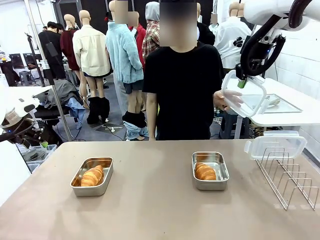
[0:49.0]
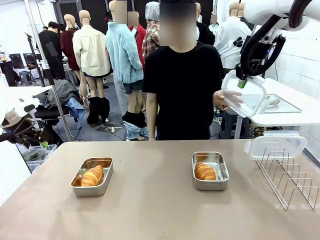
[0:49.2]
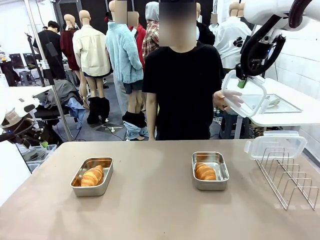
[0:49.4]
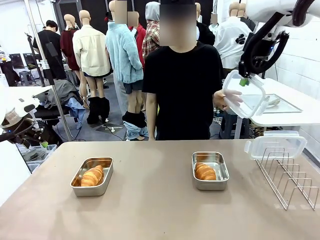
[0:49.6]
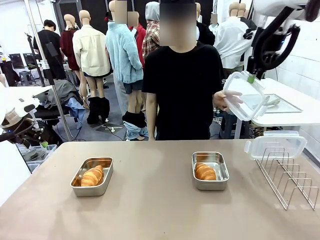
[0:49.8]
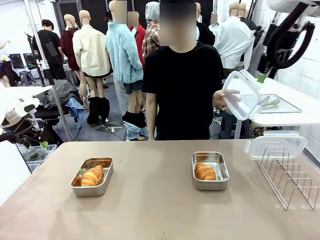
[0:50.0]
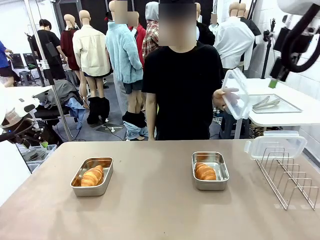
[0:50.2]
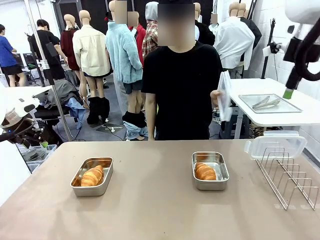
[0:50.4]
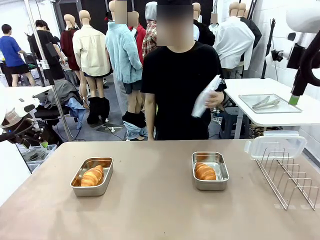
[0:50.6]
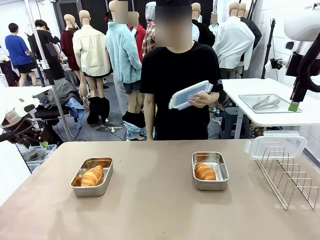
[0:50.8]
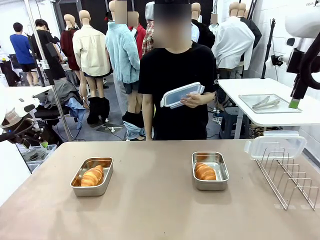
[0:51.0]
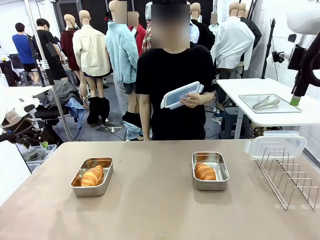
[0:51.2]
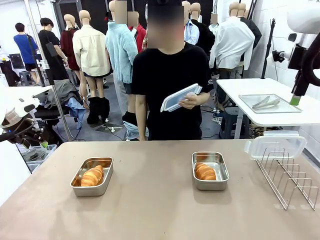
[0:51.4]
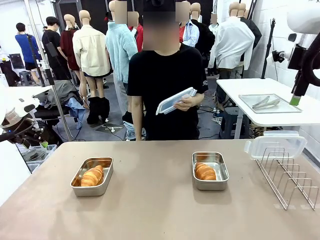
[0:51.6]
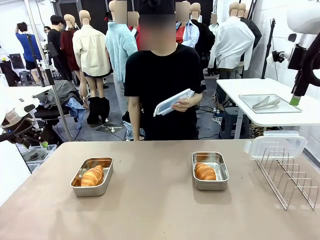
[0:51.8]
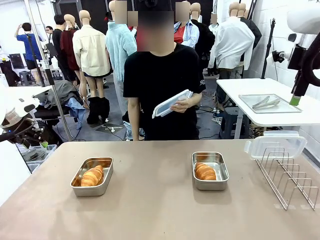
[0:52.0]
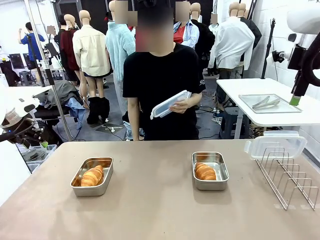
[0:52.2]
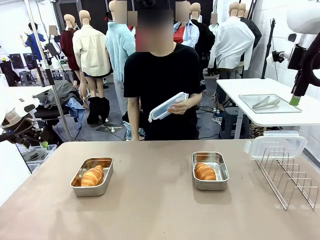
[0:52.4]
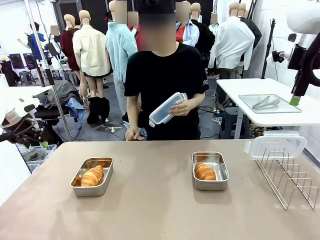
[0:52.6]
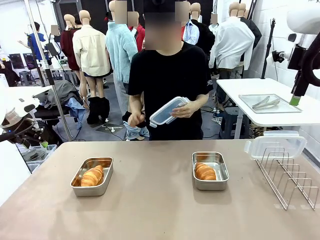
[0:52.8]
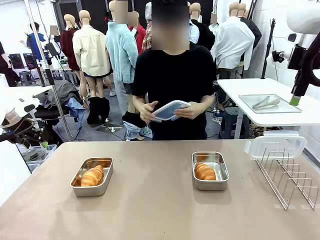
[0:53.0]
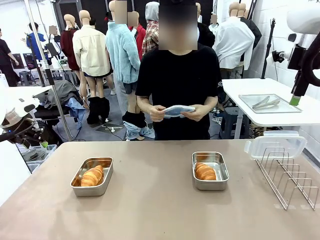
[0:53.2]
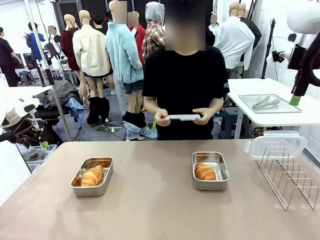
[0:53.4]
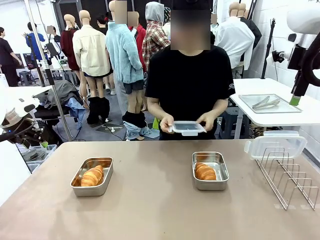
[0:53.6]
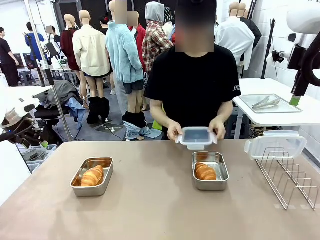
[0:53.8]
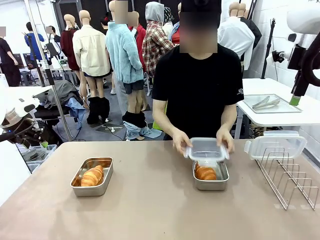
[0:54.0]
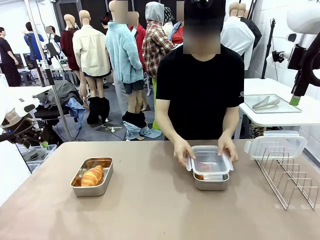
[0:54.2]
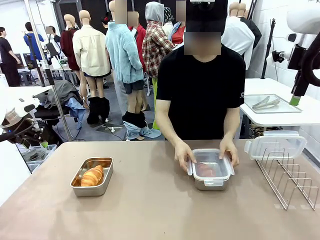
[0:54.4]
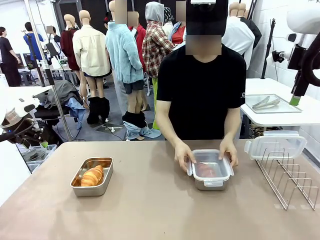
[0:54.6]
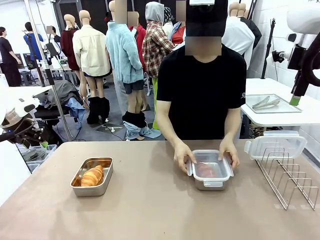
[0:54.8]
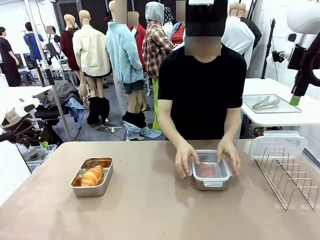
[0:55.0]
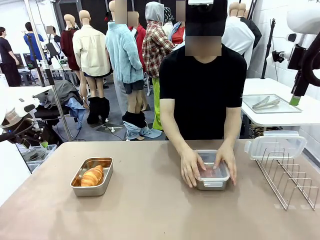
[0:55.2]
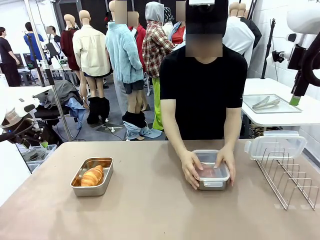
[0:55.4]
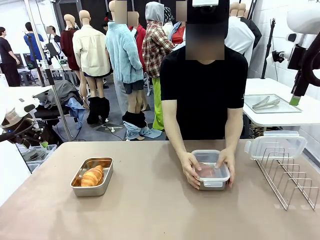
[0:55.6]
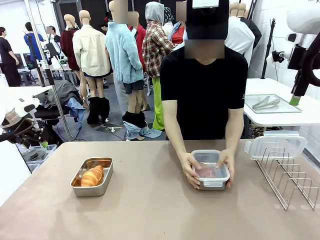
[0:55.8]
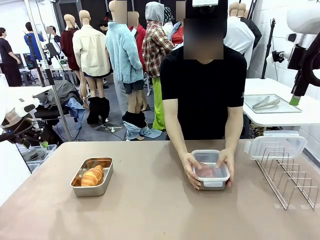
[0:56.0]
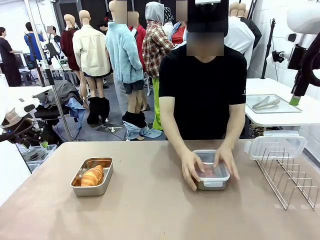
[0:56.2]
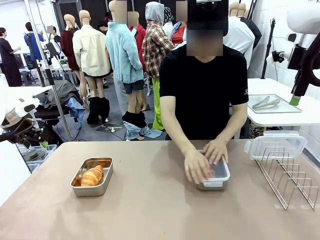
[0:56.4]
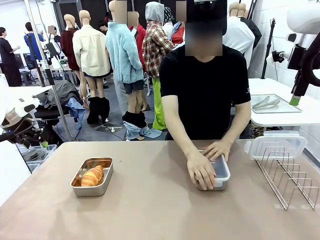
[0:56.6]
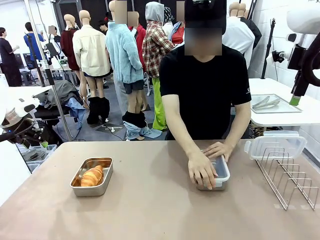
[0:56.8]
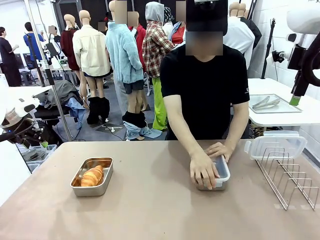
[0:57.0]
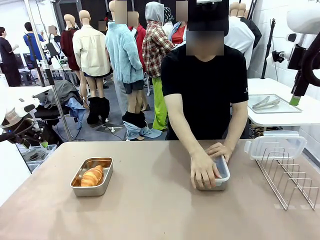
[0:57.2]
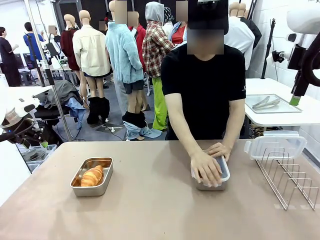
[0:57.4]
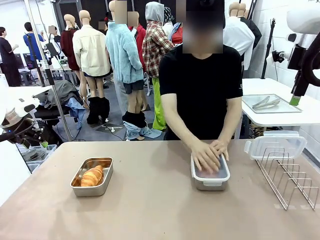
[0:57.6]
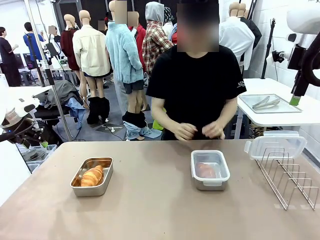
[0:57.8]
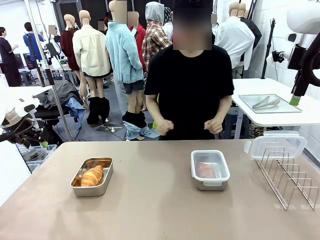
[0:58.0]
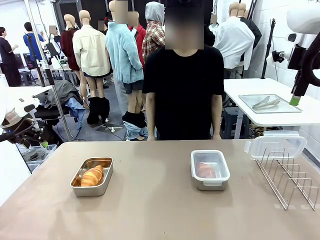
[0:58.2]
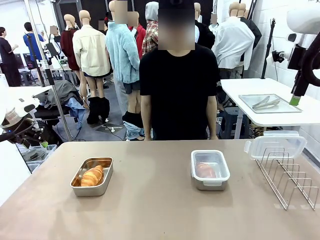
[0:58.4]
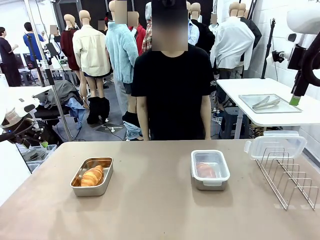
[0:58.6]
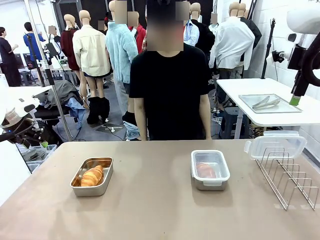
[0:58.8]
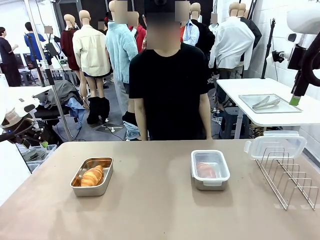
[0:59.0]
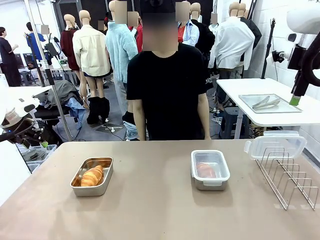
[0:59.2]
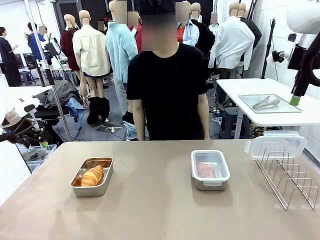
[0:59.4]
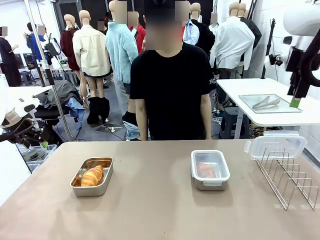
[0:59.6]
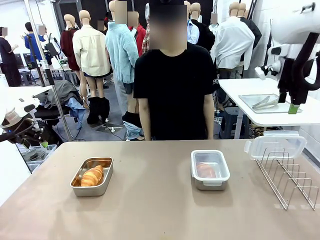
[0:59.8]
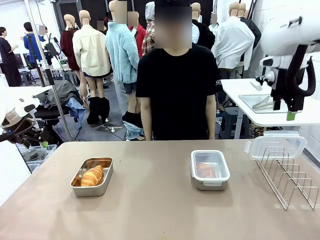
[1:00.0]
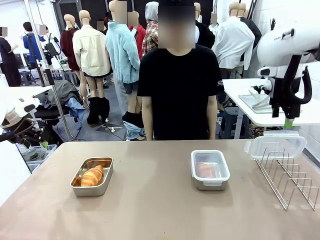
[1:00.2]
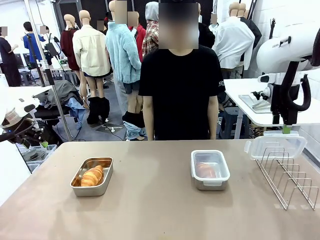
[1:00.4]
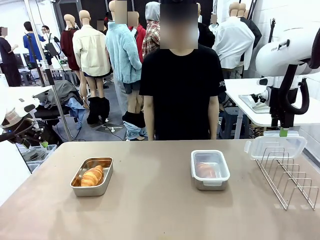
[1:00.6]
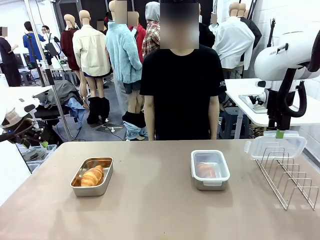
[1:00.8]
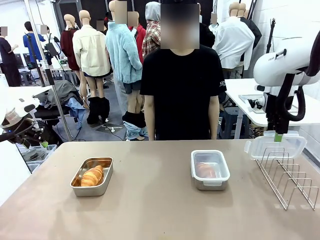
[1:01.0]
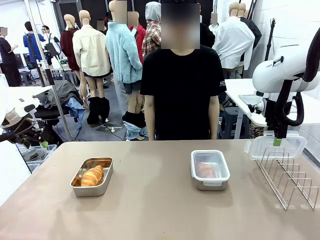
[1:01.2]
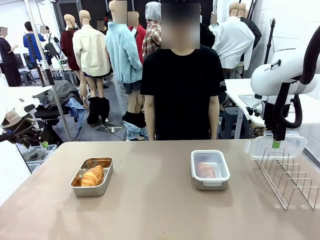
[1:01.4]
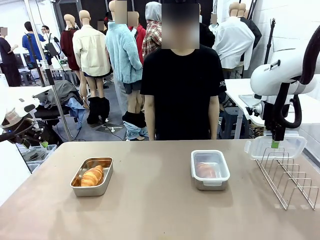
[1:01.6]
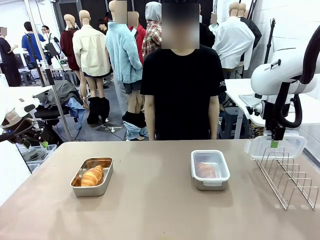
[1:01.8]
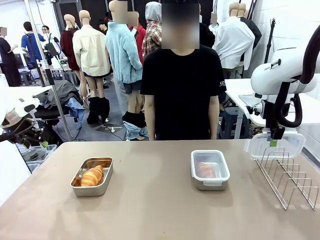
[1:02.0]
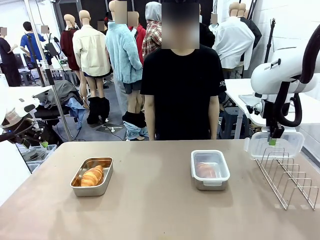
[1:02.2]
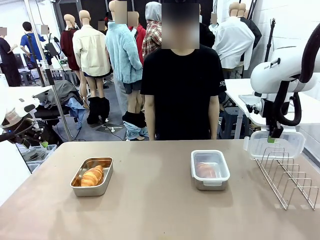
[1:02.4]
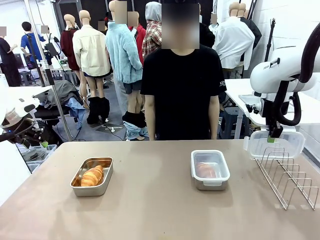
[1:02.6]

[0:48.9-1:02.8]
Task: Place the bread in airtight containers.
Robot: Pick up one Airtight Container lid and hand it to the human.
Person: Close Airtight Container with a handed Airtight Container lid.
